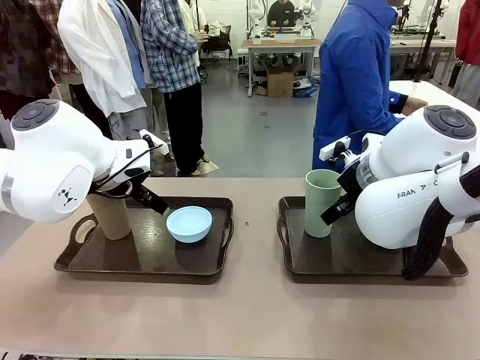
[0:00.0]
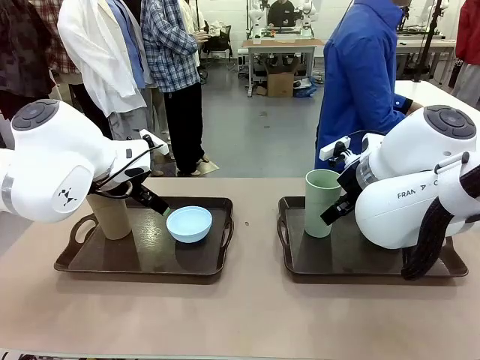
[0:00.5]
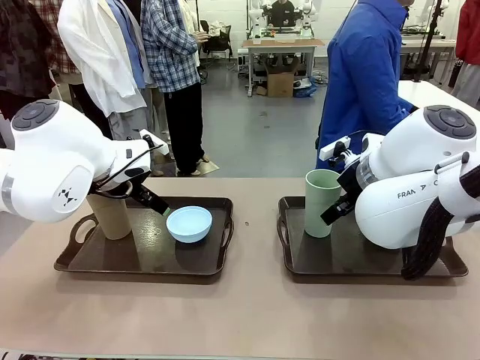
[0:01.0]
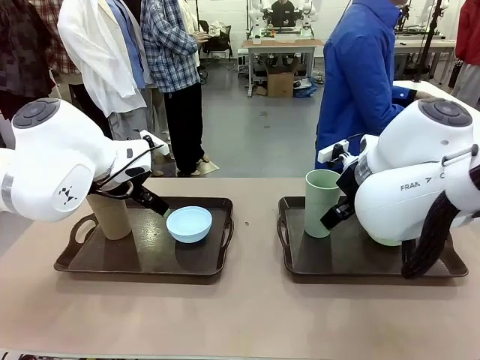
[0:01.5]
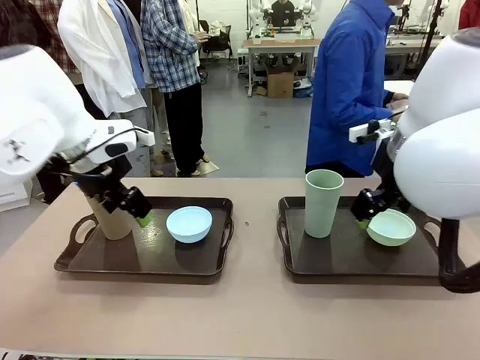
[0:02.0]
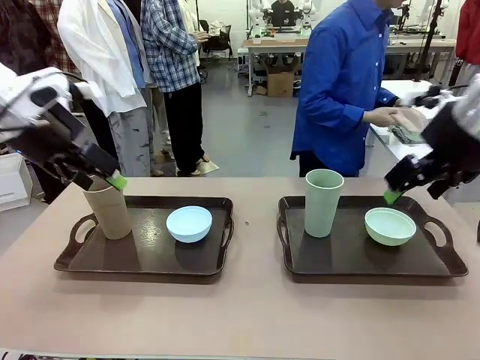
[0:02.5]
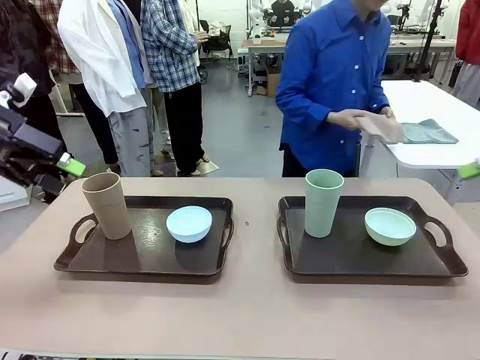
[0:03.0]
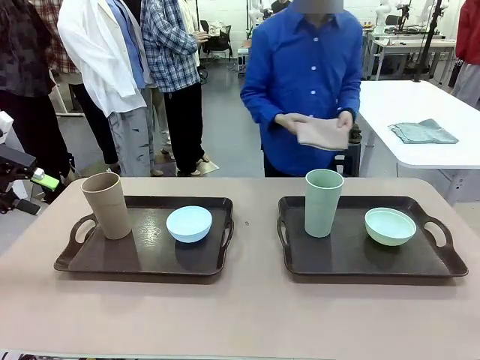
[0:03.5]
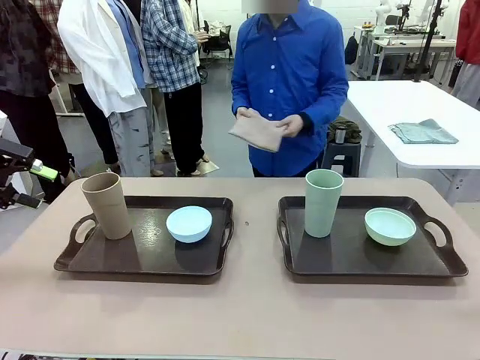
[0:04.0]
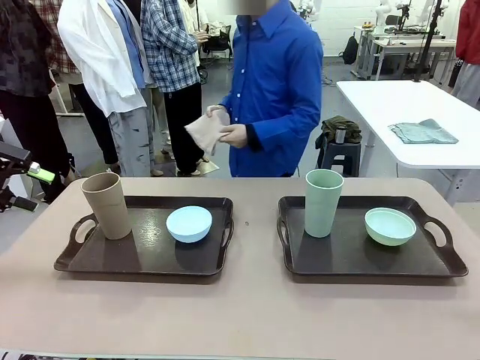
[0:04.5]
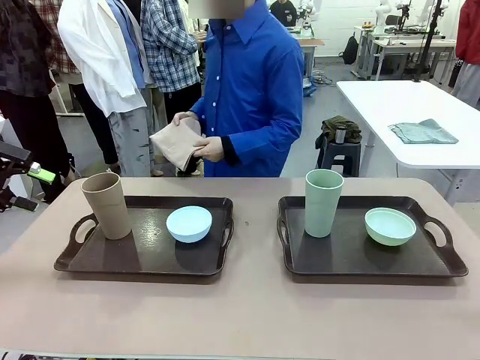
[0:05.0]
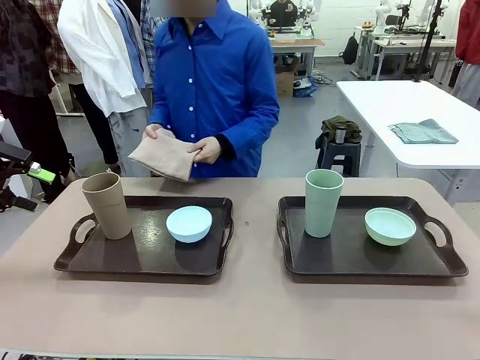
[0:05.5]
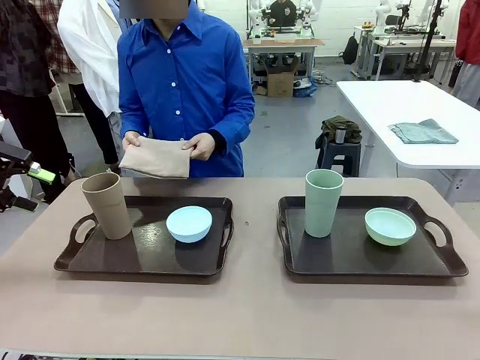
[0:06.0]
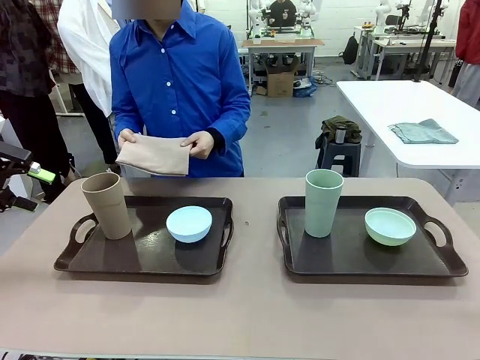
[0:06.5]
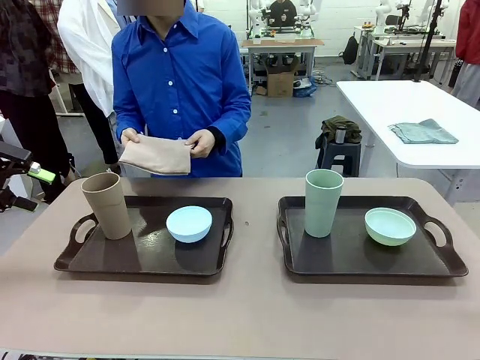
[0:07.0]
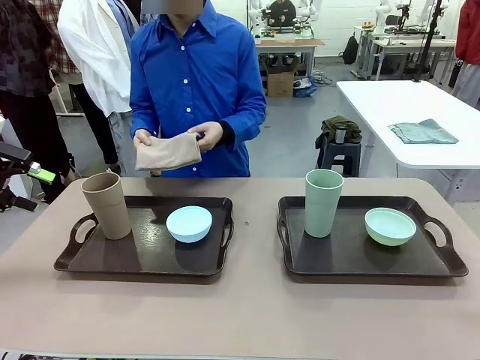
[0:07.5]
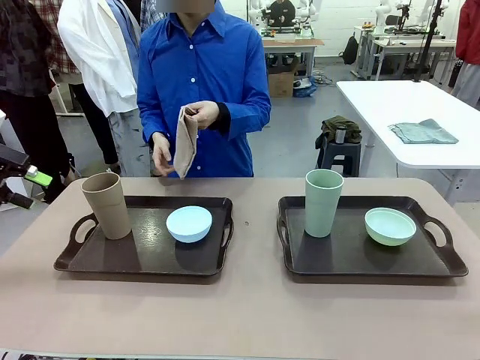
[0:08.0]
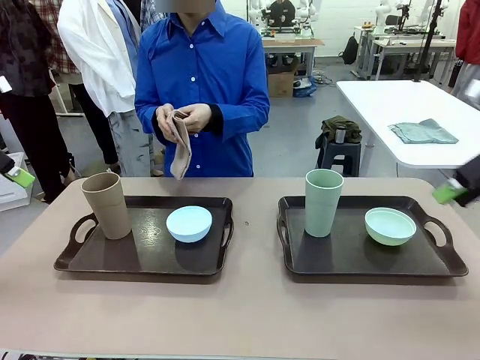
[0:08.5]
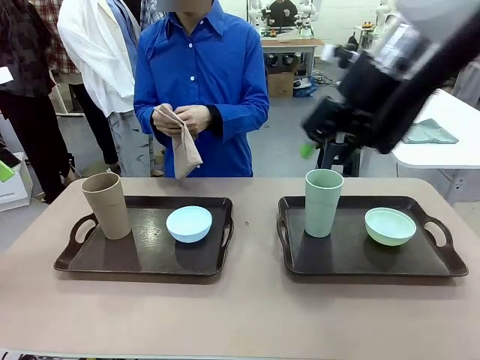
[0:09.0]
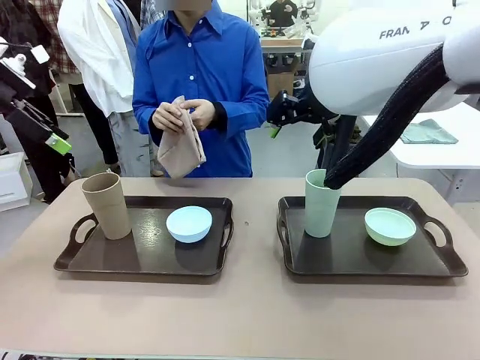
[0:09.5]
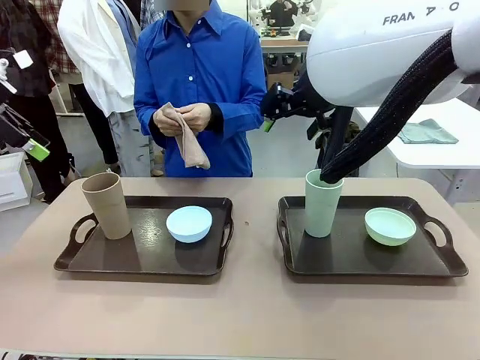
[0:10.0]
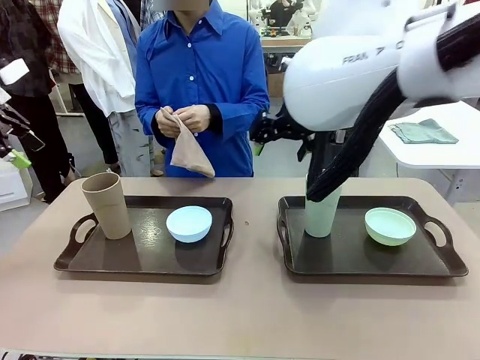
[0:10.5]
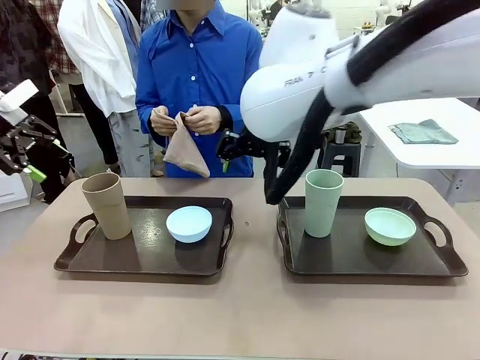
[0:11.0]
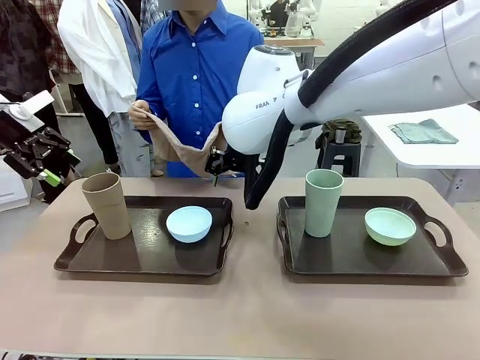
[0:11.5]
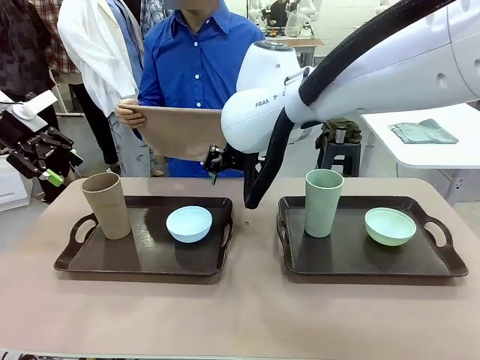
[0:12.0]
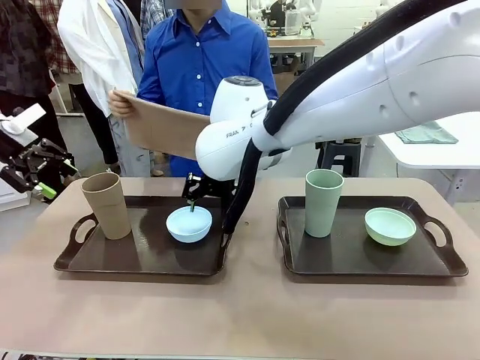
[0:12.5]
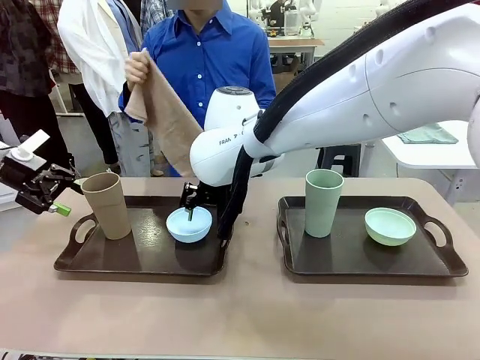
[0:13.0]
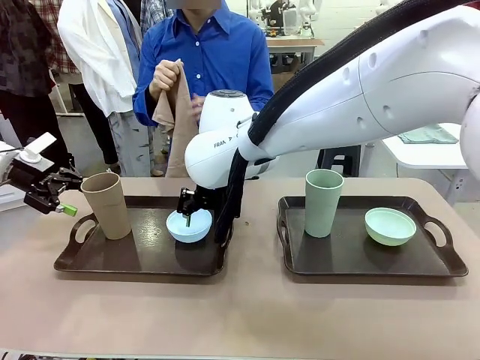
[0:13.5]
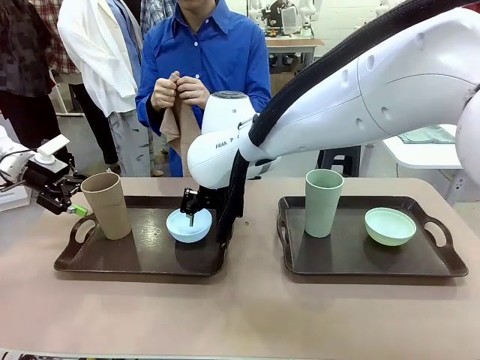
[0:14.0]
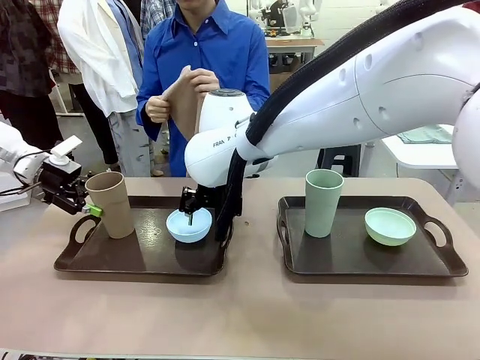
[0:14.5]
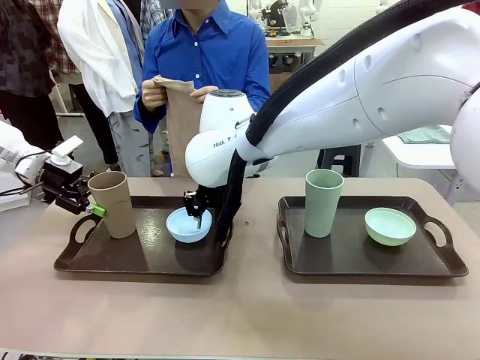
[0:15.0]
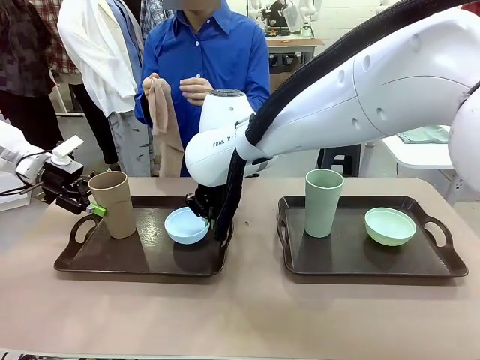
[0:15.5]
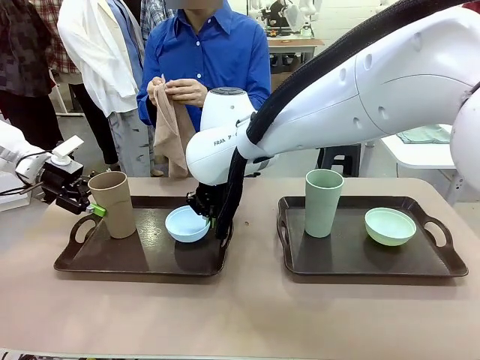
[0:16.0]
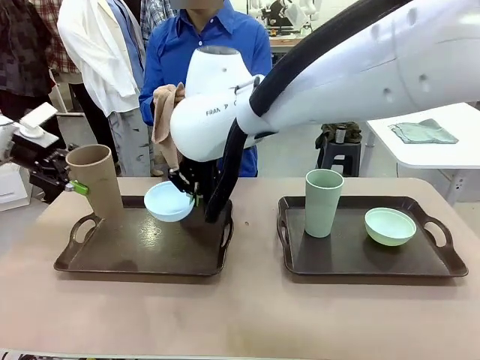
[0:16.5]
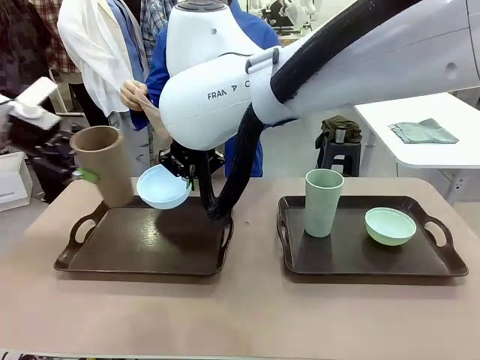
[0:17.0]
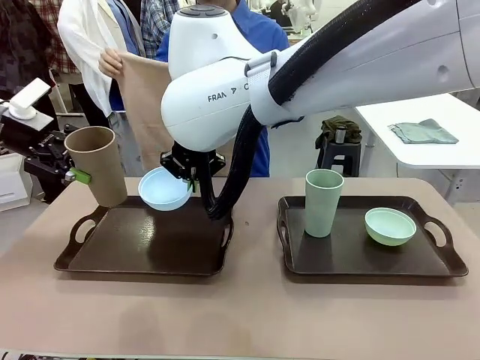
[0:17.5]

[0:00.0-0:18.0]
Robot: Pick up the Picnic Bowl and Reusable plastic cup from the Handle tray in front of the human's position and hold them in the air.
Person: The human picks up the top napkin from the stack on the human table and walks to the robot table to stand in front of one of the two trays. When the robot lifts the bowl and the cup, the human unfolds the napkin and lays the napkin flat on the tray.

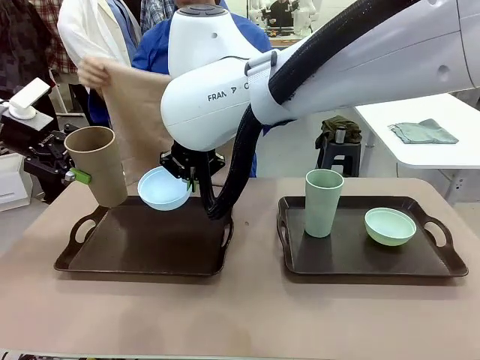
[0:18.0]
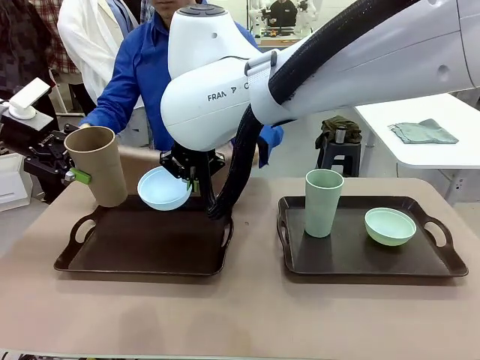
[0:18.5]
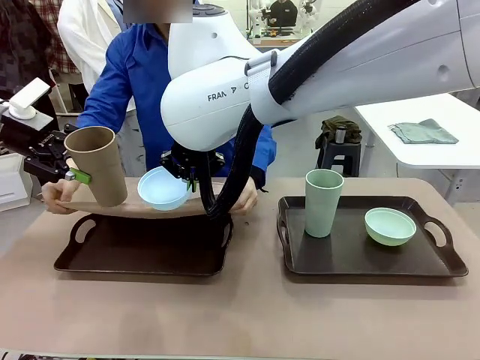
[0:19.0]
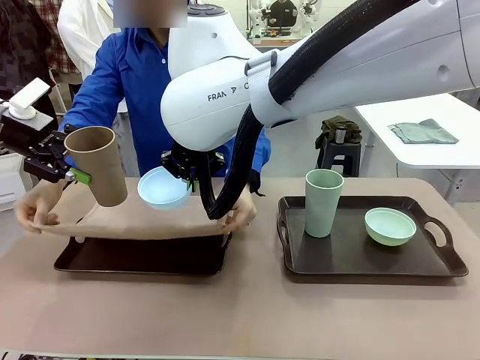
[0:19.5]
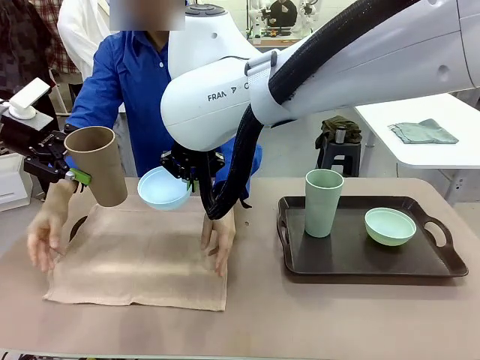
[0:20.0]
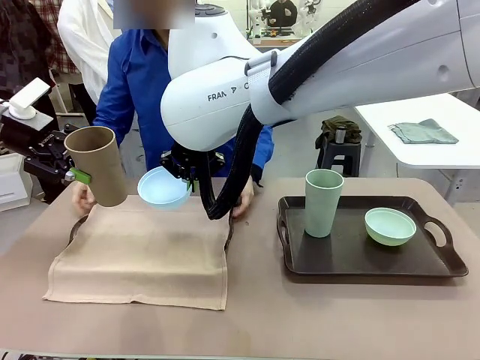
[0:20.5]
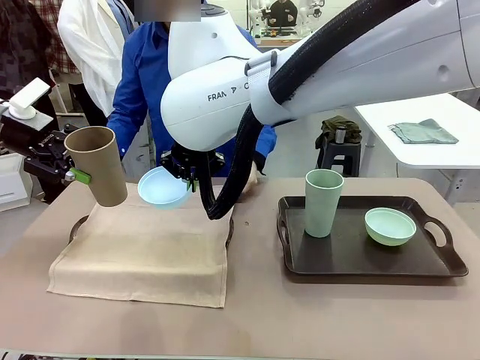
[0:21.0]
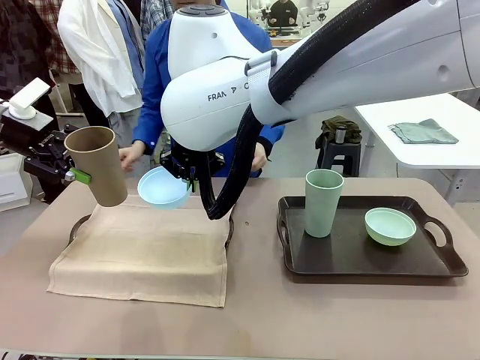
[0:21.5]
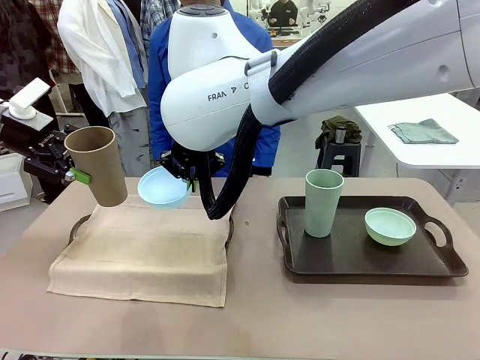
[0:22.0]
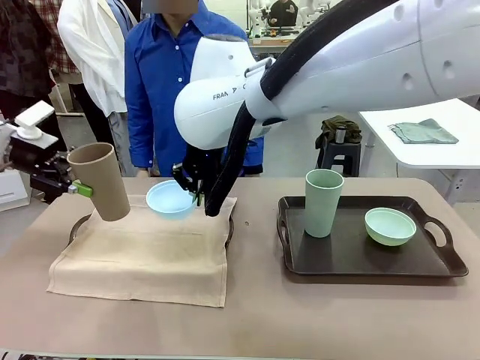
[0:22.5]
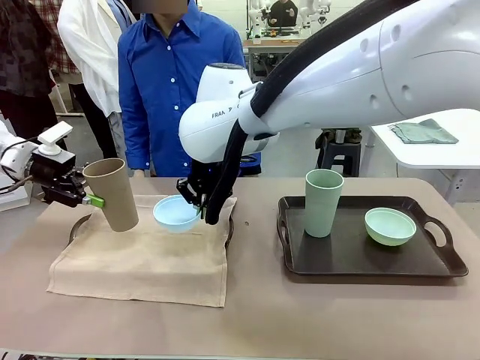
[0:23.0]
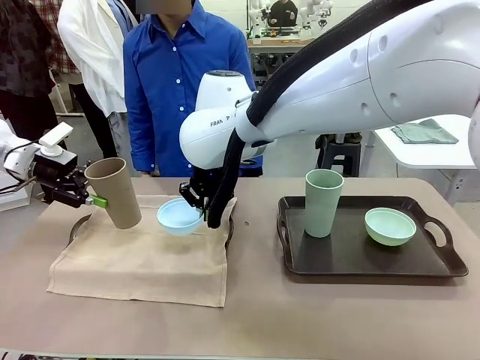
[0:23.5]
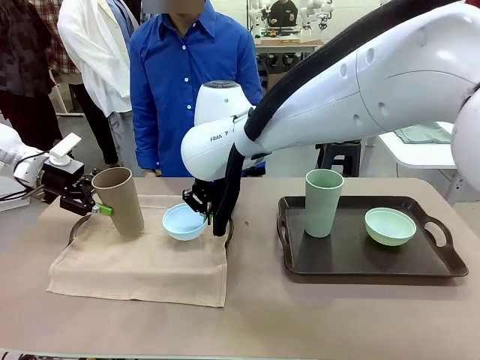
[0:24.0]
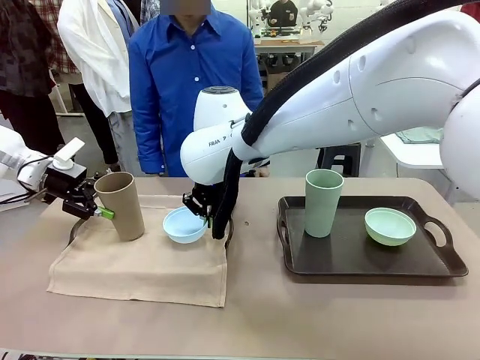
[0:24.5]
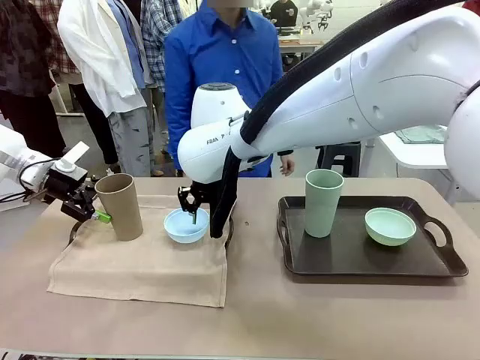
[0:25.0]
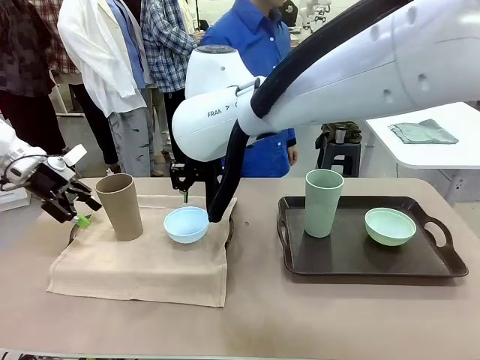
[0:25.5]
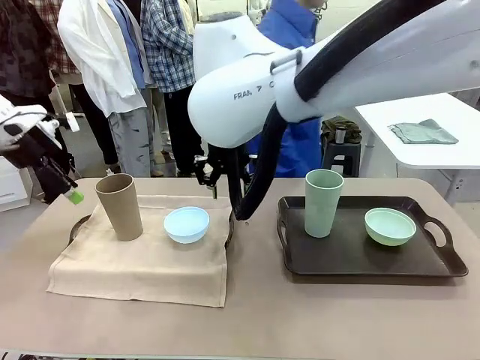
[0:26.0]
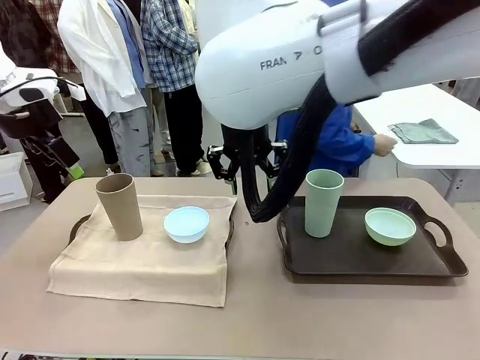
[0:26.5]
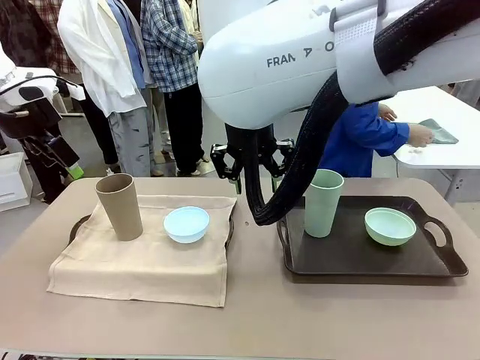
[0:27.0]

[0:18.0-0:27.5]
Robot: Place the Picnic Bowl and Reusable plastic cup back onto the Handle tray in front of the human's position.
Person: The human returns to the human table to pick up another napkin and walks to the robot table to stand in front of the tray without a napkin.
